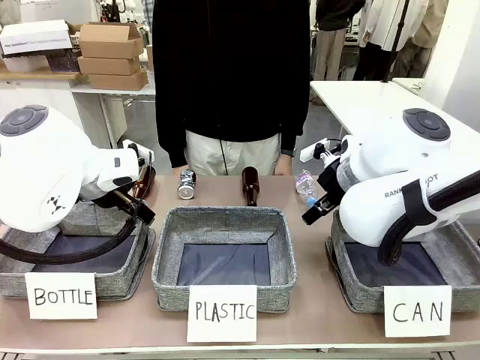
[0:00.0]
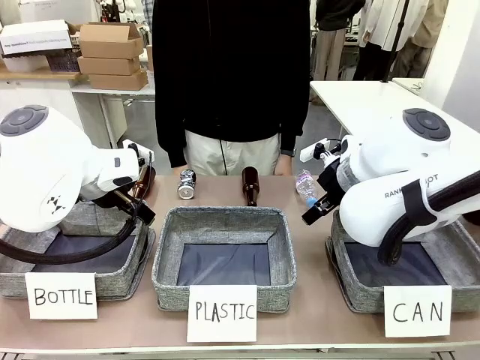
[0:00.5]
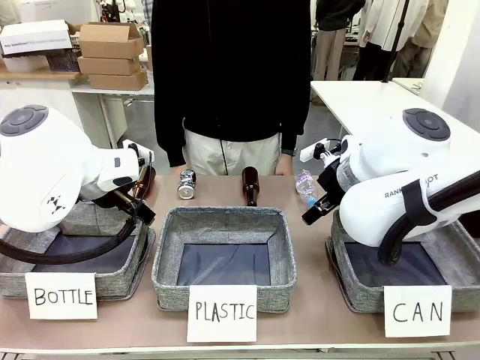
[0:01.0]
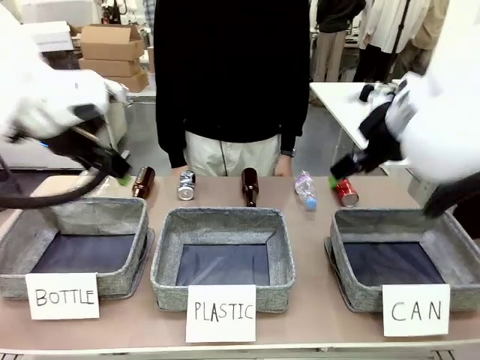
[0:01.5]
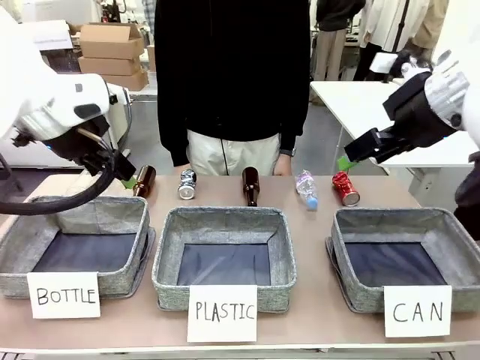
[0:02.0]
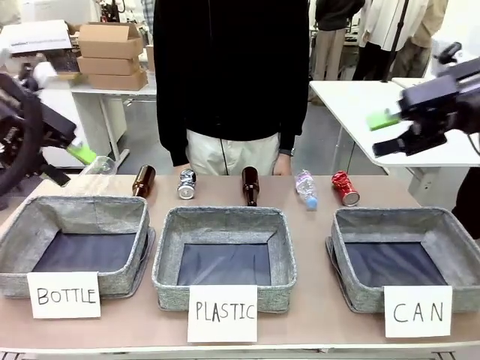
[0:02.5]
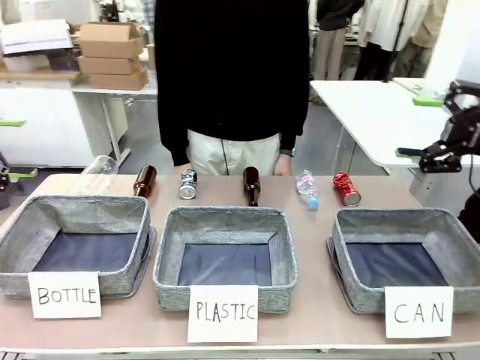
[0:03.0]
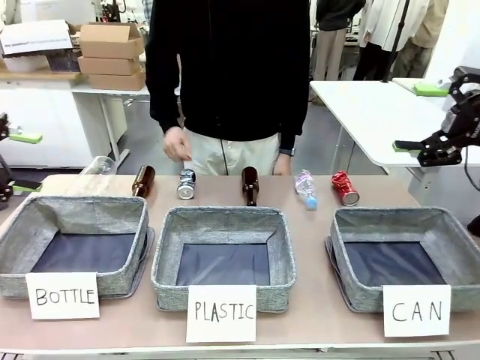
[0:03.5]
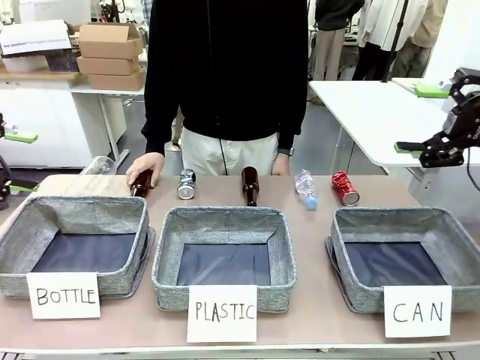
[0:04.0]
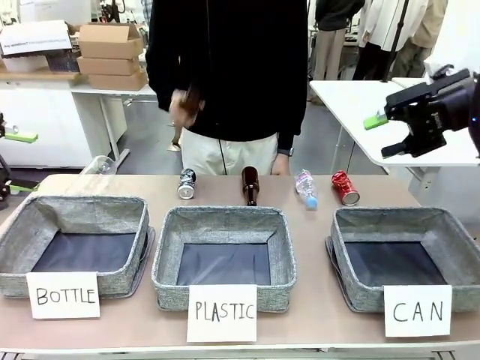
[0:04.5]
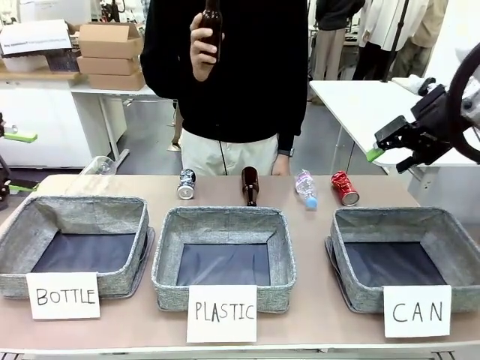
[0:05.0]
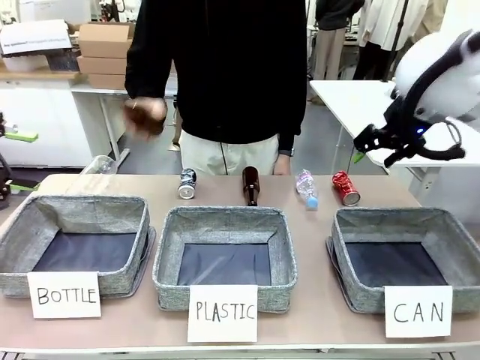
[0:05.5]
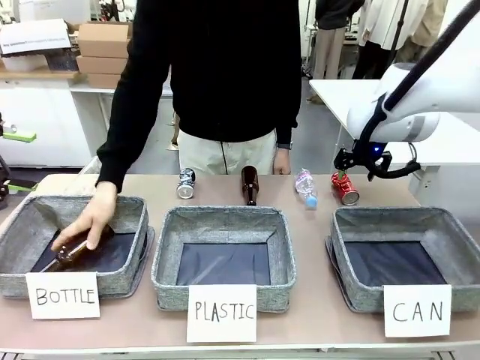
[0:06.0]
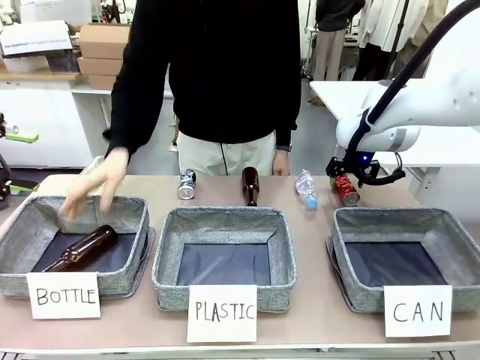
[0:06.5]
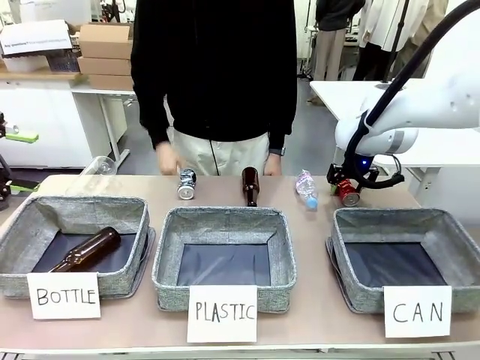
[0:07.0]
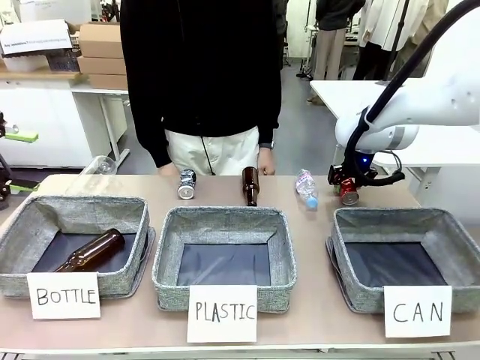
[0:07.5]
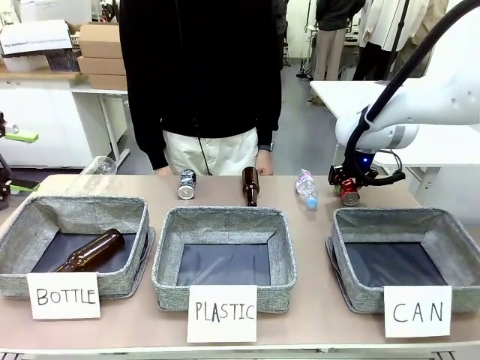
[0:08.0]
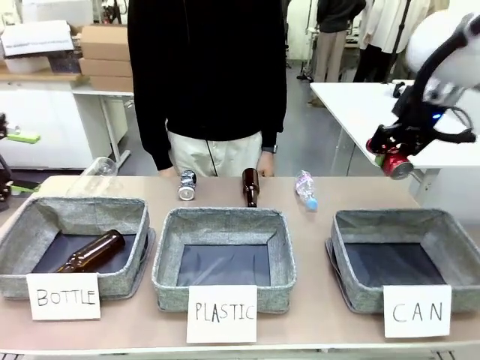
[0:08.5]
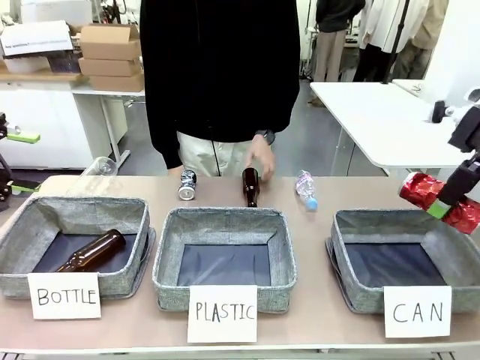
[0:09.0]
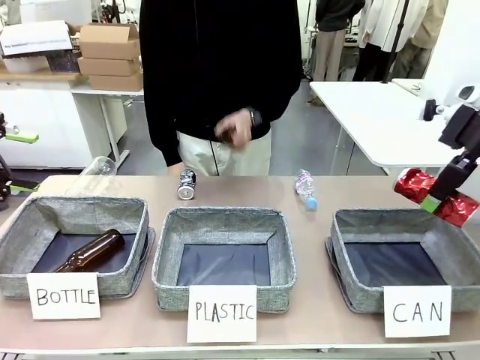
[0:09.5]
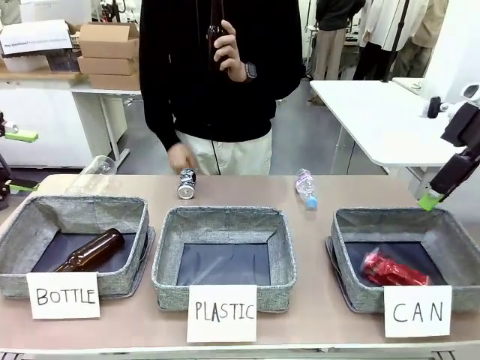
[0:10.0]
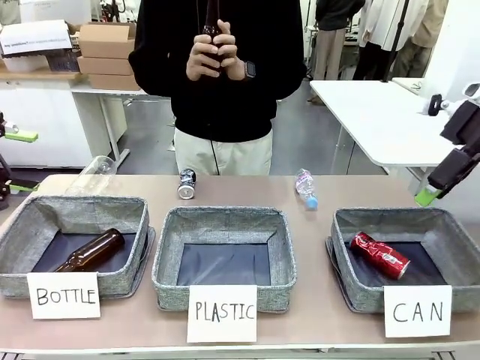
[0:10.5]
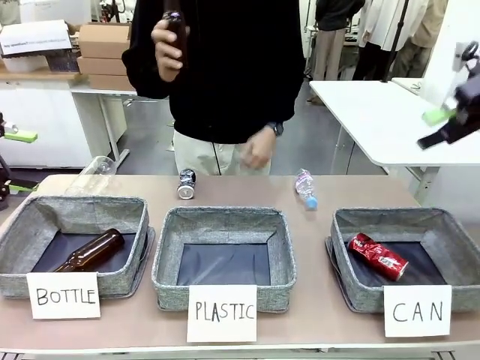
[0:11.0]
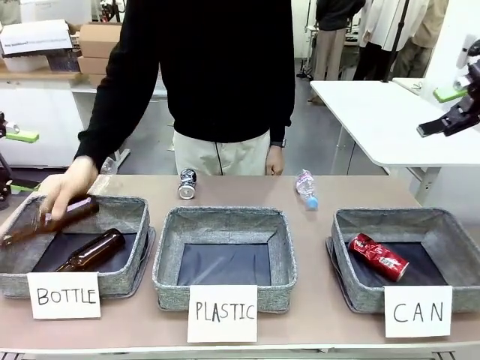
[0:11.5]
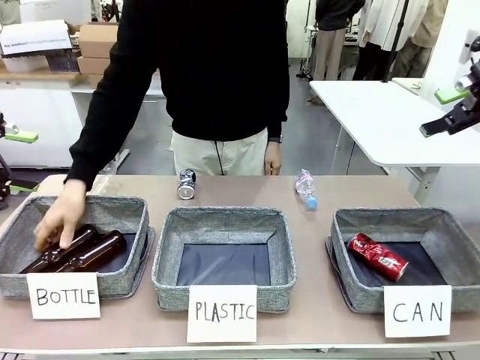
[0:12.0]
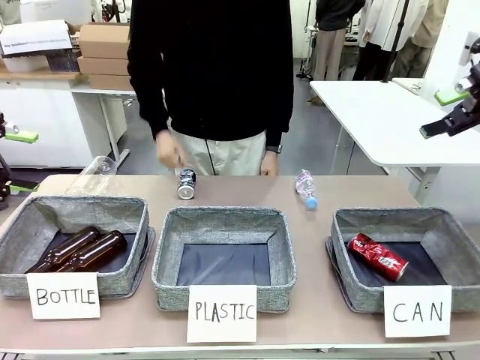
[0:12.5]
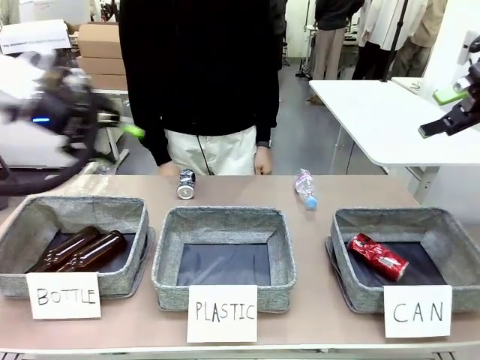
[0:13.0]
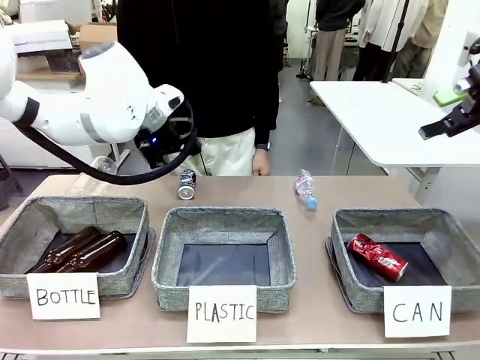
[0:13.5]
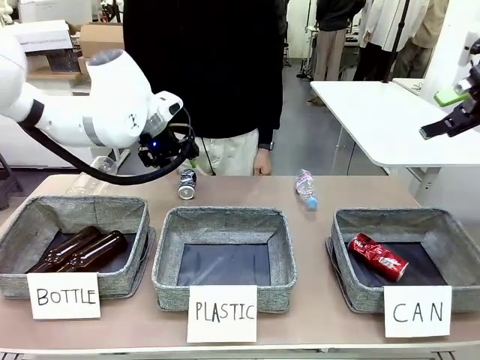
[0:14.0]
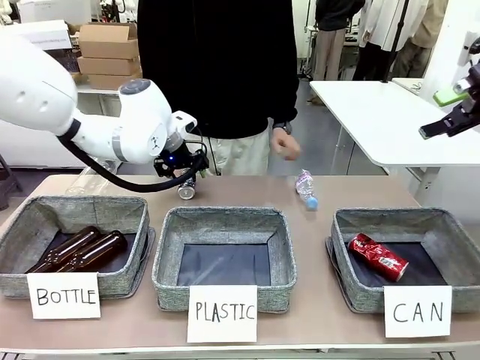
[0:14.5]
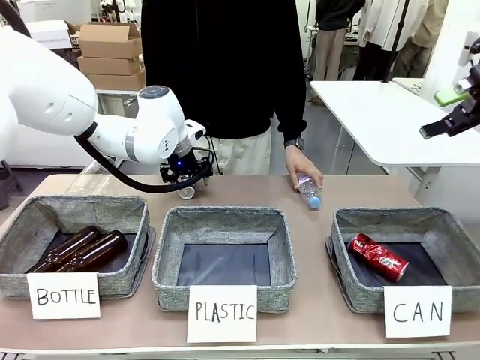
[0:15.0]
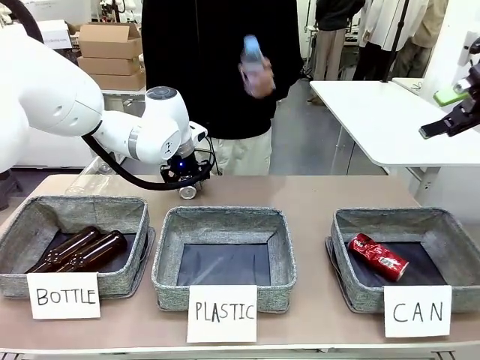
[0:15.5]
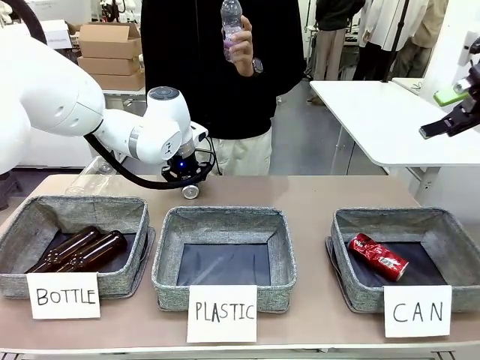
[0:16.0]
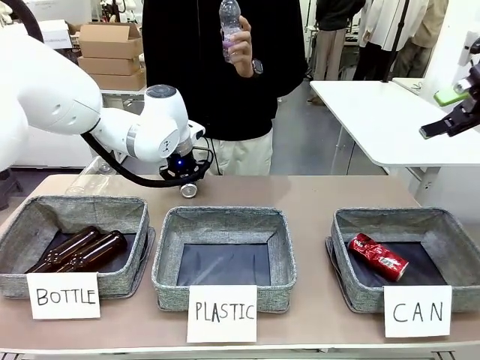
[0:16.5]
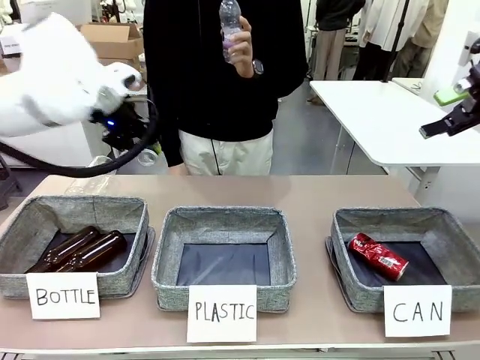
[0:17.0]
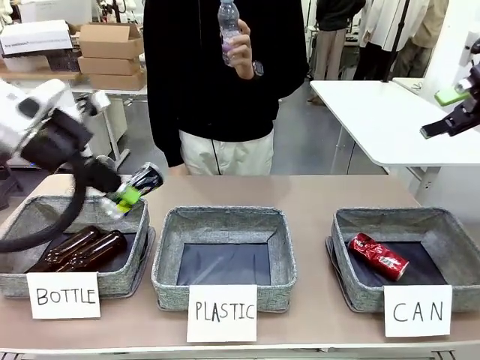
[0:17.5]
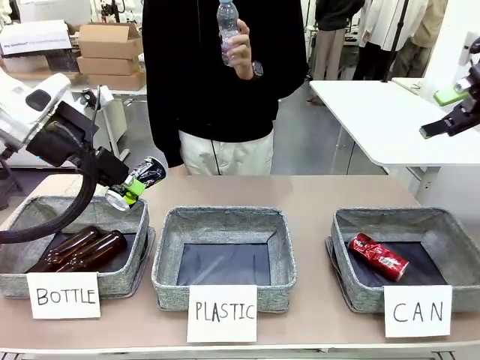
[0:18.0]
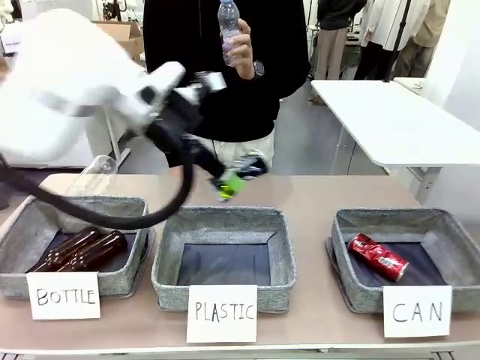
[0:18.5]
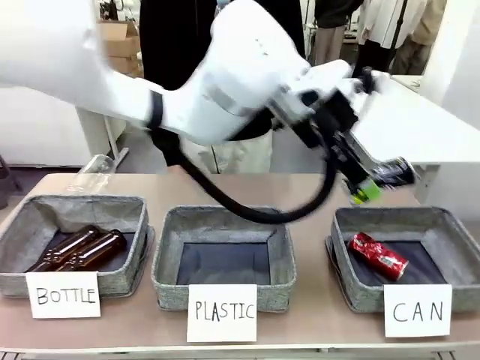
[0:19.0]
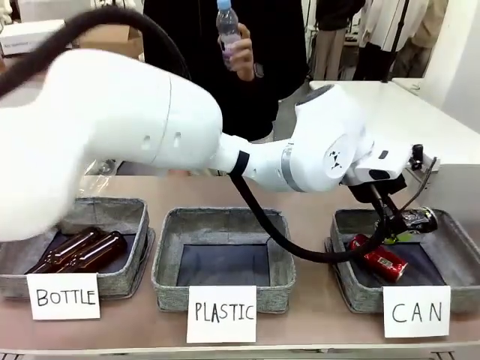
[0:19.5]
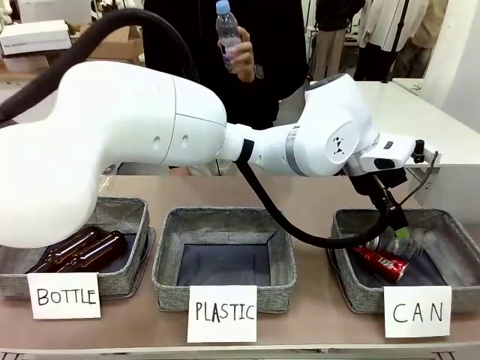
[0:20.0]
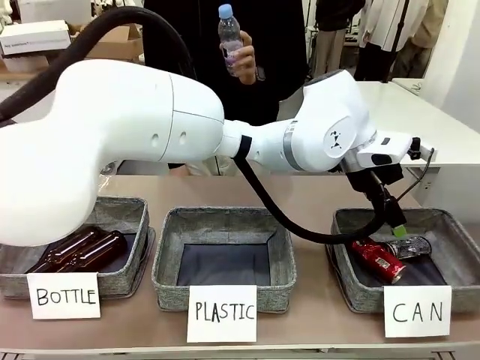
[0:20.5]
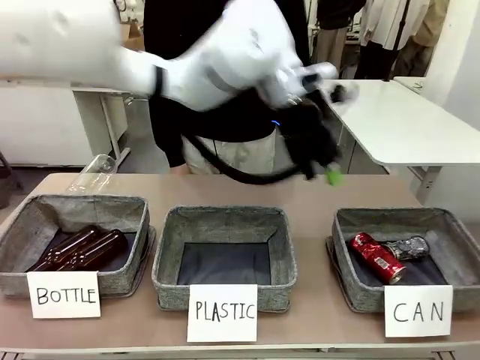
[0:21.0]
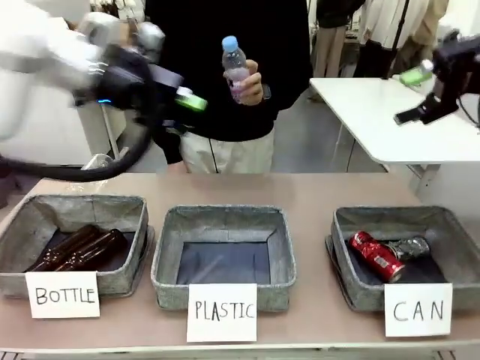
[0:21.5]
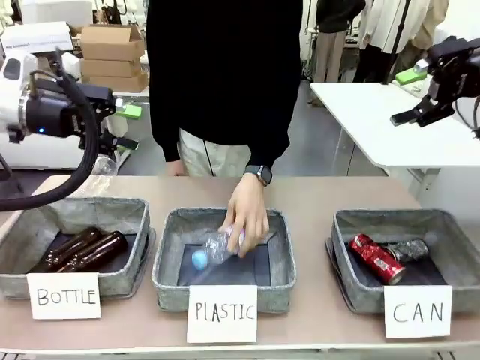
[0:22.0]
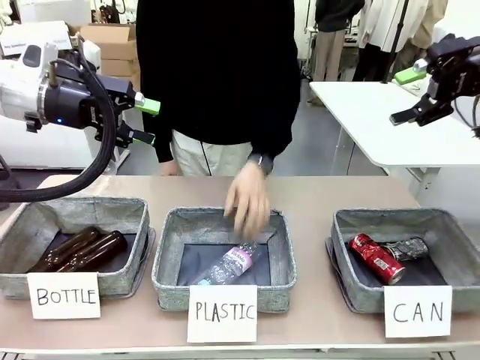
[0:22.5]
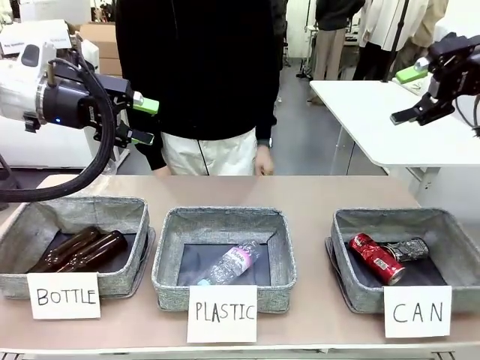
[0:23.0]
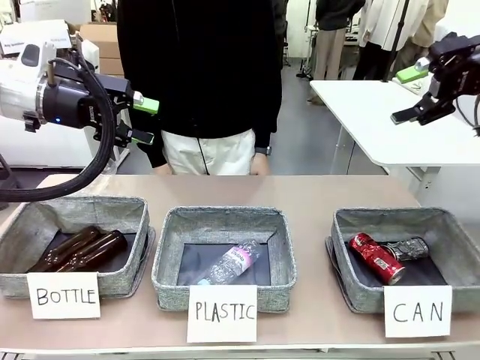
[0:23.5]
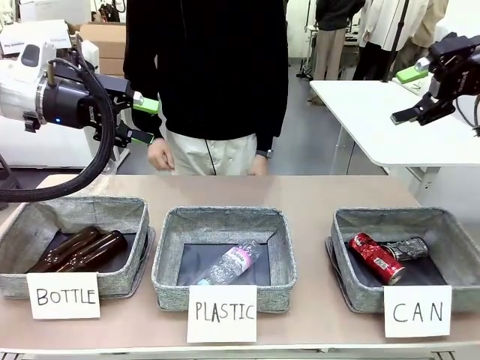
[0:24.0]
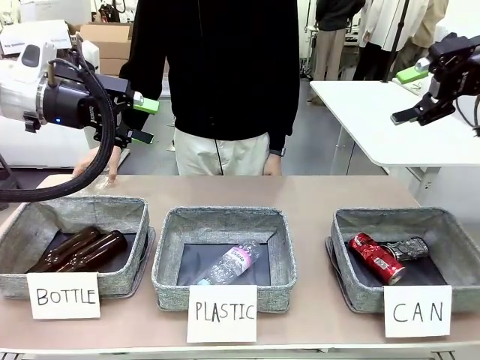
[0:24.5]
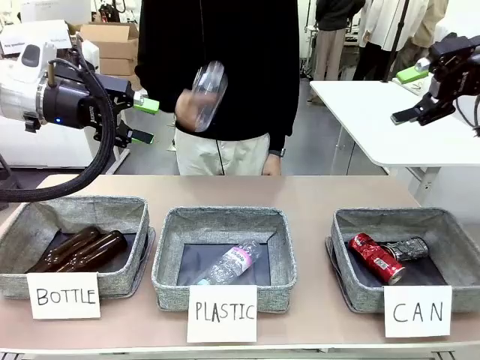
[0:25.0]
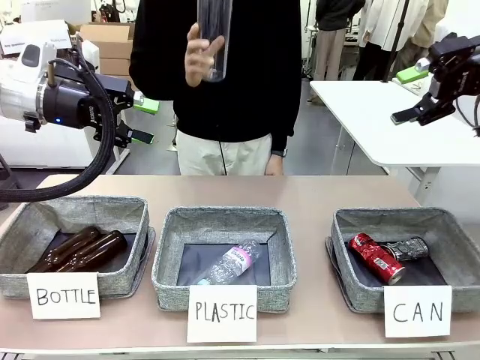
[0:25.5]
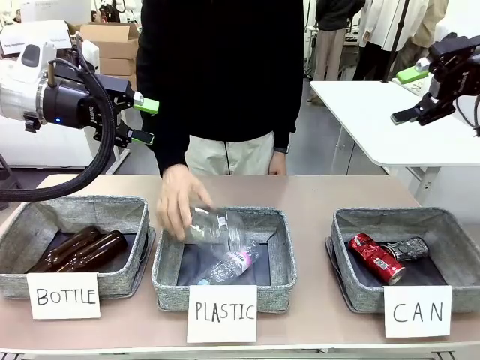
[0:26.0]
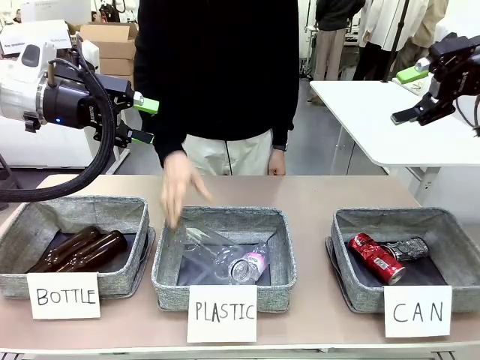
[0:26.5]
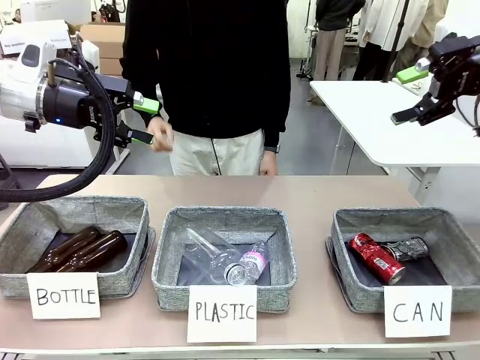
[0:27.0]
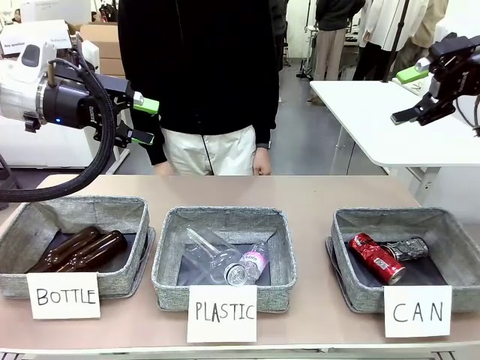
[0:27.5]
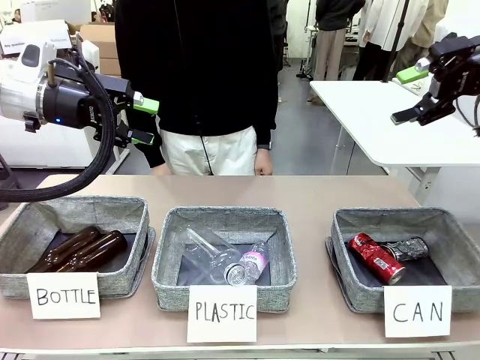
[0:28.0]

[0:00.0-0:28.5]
Task: Sort the can waste into the basket.
Robot: Pick up the can waste from the table and place it in the right Fabric basket.
Person: The human picks up one piece of trash that is not a can and places the trash into the appropriate organizing basket.
